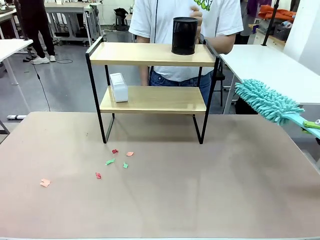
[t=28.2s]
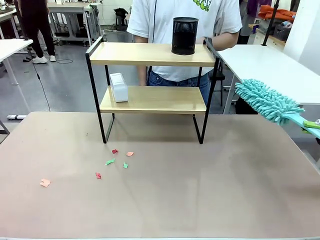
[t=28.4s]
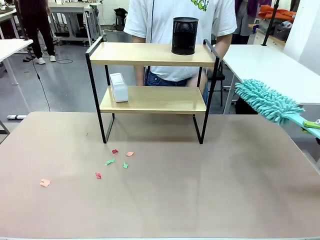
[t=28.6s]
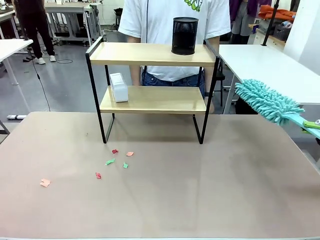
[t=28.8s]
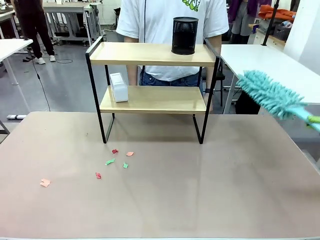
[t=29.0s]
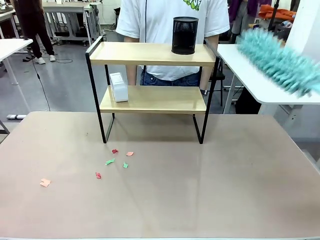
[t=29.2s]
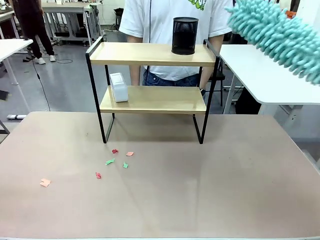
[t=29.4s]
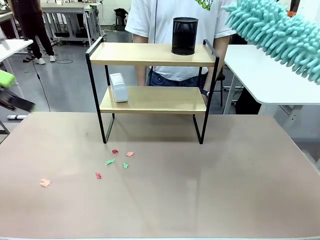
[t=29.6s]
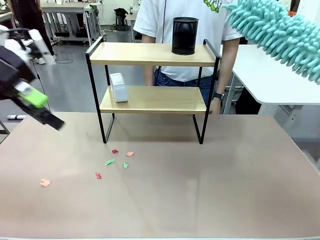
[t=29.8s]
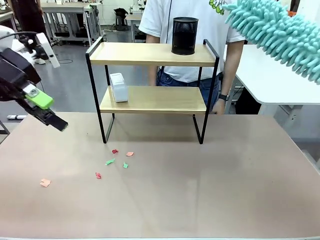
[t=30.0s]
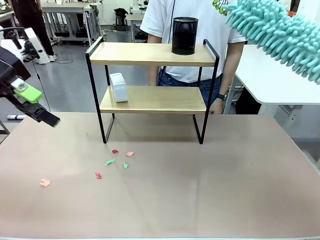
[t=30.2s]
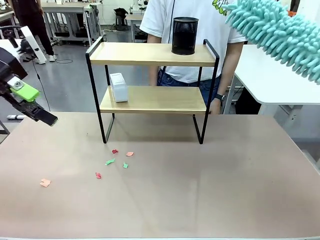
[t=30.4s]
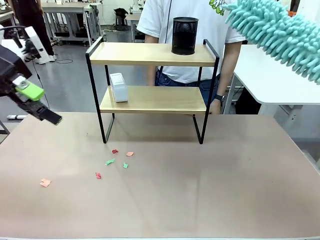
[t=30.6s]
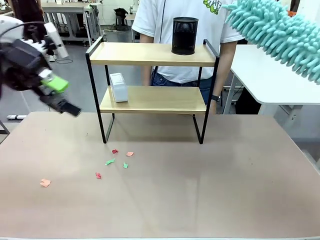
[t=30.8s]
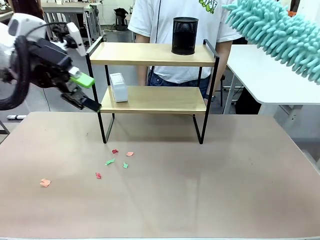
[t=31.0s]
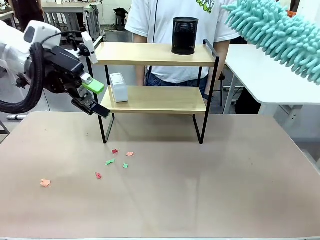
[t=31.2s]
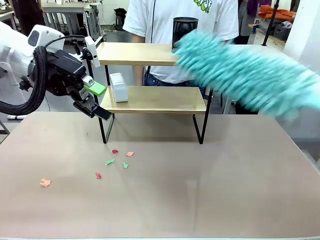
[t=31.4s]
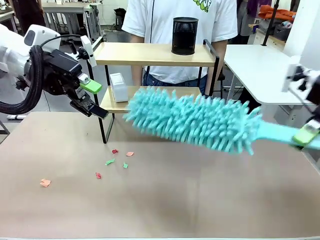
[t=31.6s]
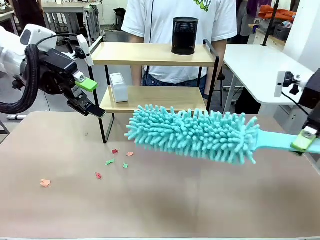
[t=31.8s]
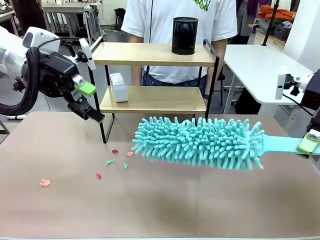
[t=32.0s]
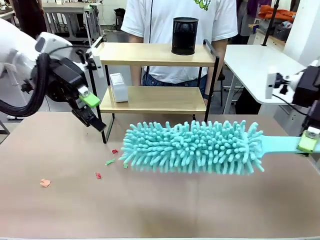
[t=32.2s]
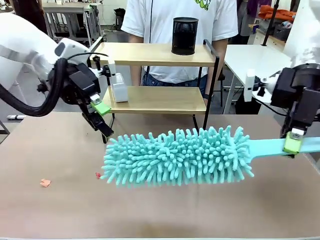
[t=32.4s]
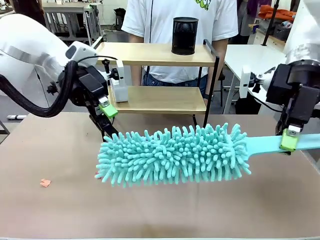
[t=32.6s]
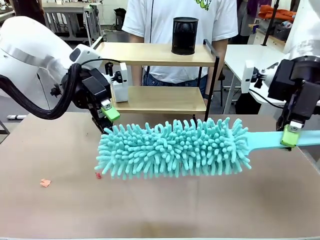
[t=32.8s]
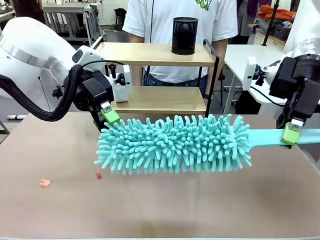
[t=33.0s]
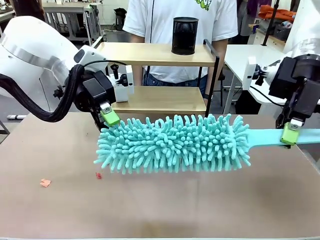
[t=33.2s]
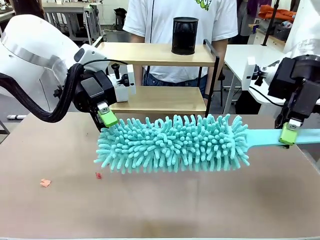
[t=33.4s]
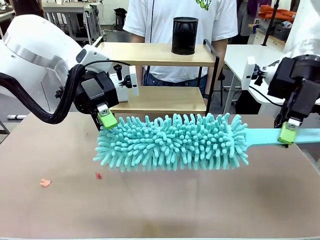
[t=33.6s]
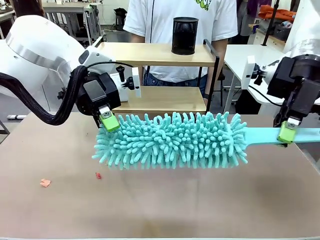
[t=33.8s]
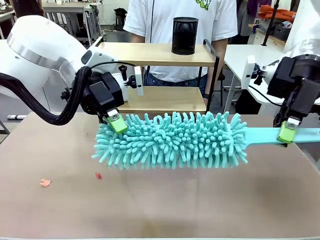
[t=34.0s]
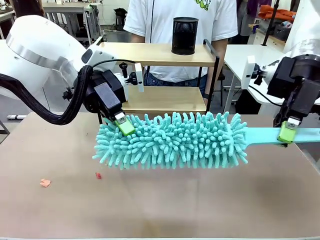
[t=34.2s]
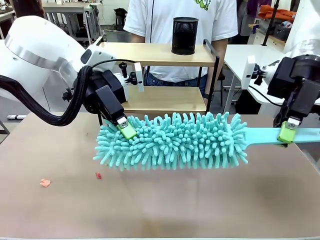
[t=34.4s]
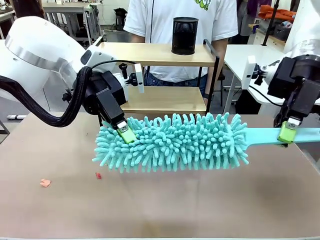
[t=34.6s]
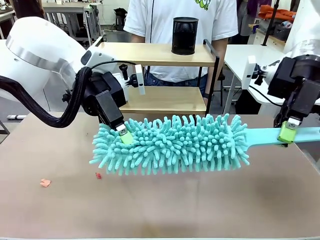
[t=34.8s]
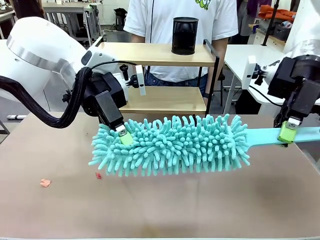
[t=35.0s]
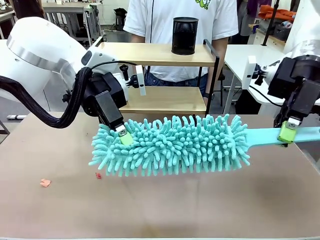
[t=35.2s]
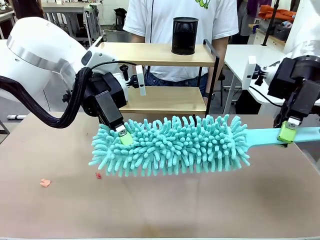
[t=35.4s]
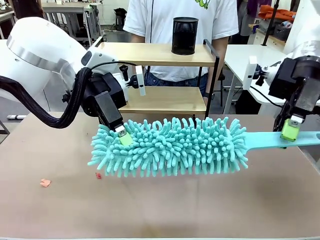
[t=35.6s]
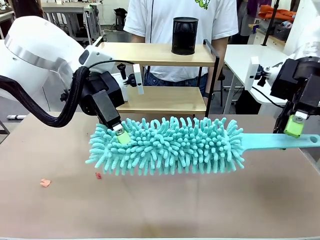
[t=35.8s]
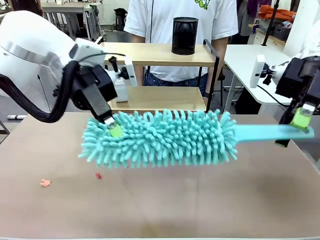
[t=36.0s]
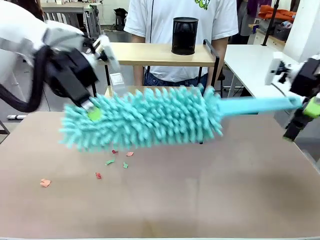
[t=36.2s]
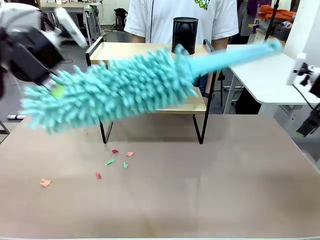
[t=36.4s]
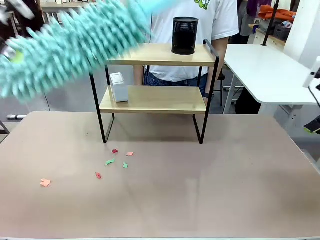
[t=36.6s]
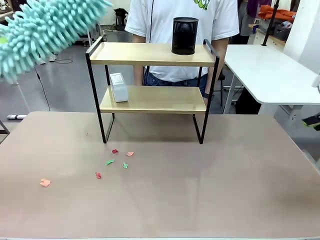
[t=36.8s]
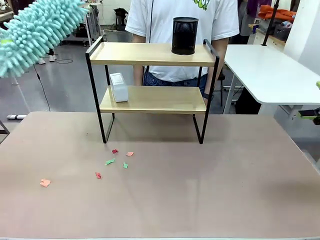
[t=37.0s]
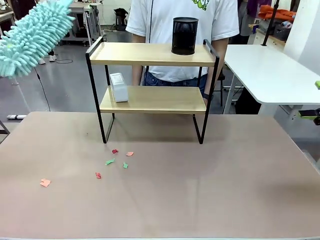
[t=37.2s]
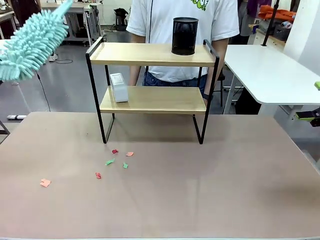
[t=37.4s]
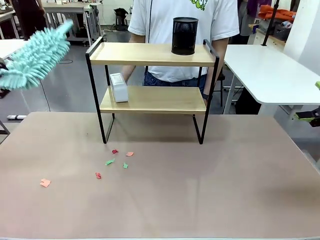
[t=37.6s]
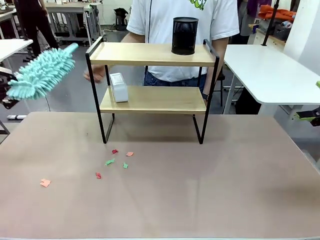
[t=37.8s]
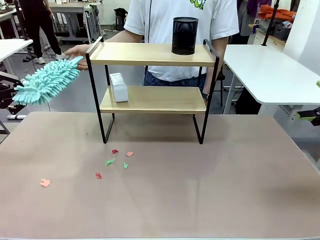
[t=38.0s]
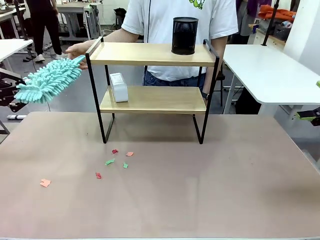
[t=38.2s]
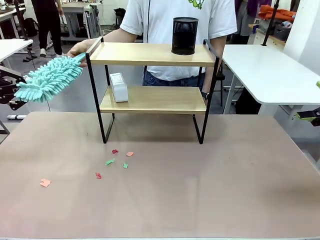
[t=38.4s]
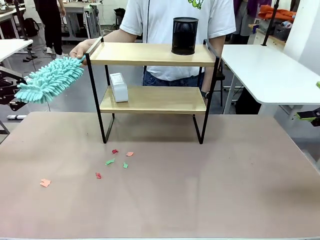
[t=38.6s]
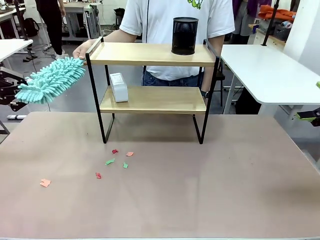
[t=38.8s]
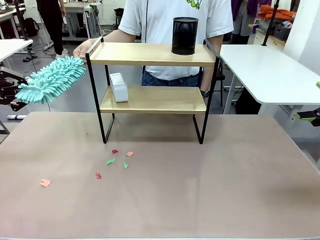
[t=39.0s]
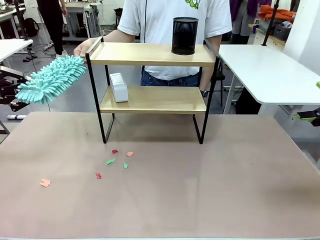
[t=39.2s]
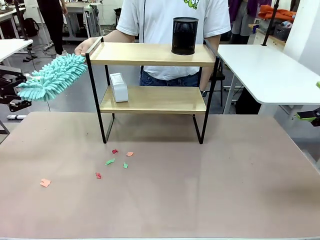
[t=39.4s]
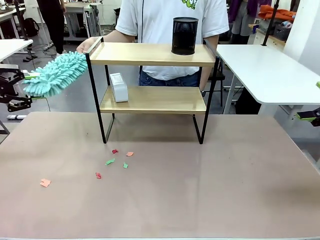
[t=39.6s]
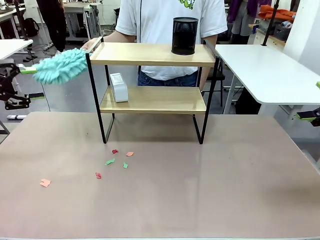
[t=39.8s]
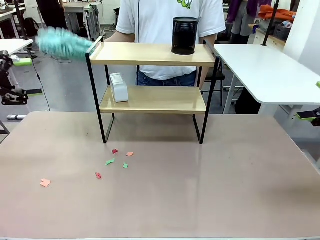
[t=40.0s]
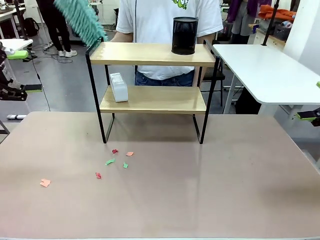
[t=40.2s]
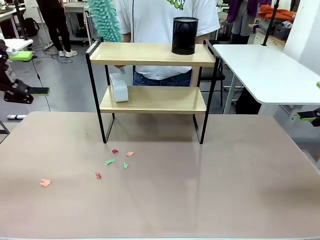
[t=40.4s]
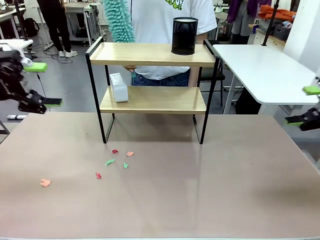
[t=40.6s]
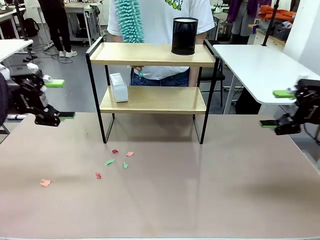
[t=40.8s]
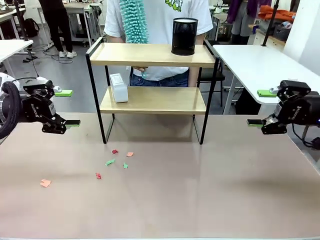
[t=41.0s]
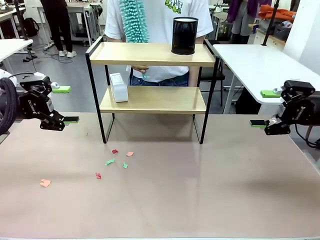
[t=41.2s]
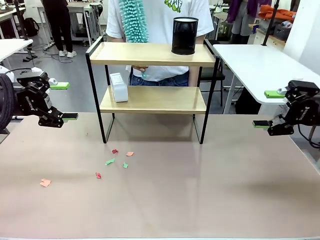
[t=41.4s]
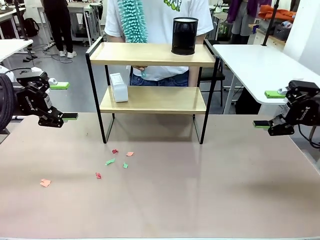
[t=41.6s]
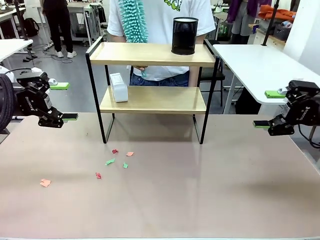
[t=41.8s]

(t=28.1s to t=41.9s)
Task: Clean the shelf.
Robot: Hand the Duster back to the human.
Person: Receive the Duster from the robot.
